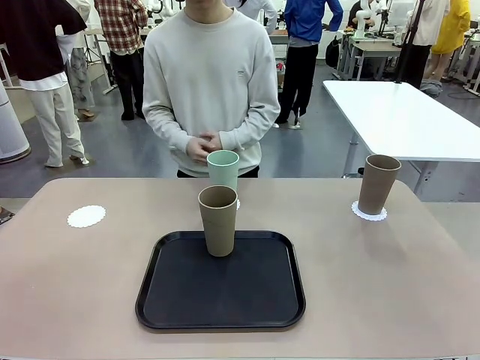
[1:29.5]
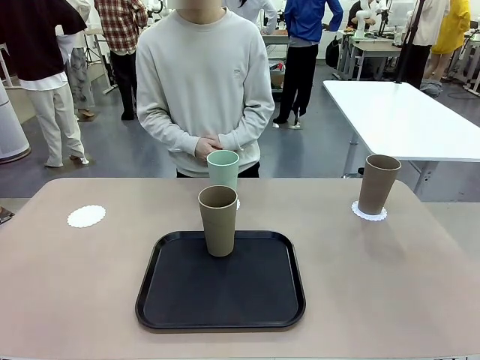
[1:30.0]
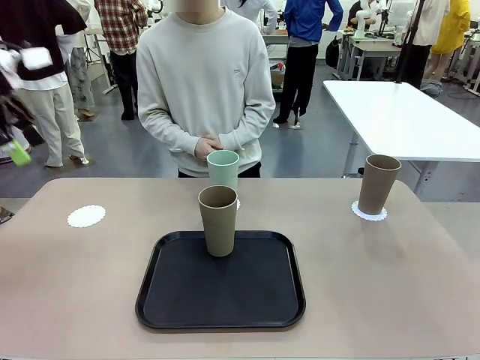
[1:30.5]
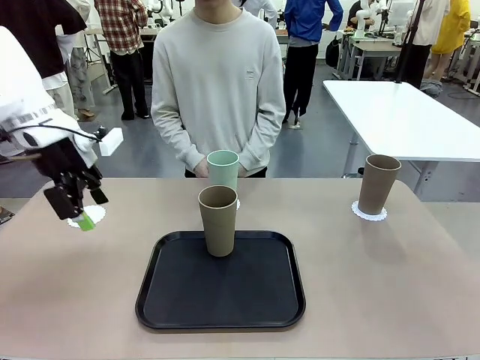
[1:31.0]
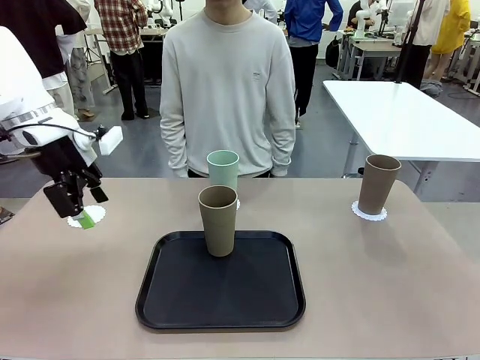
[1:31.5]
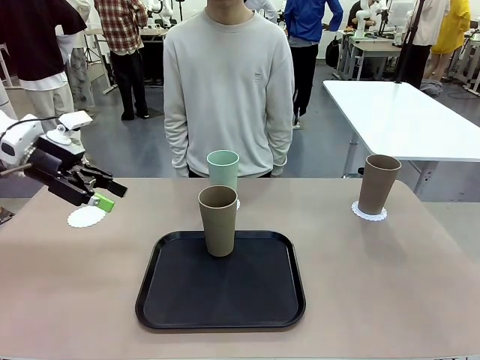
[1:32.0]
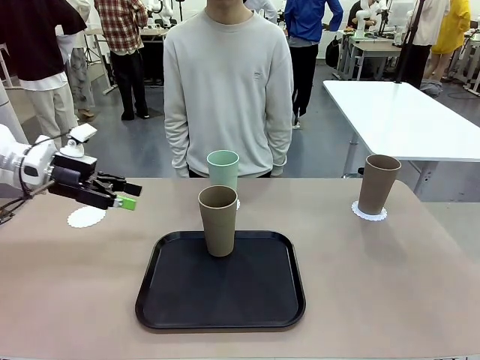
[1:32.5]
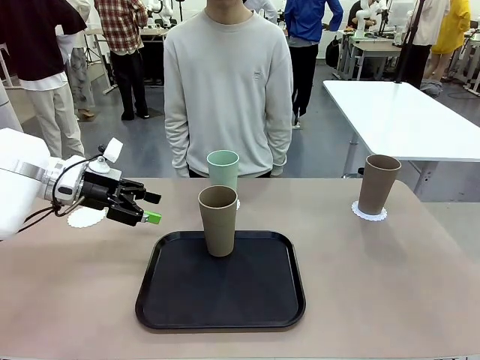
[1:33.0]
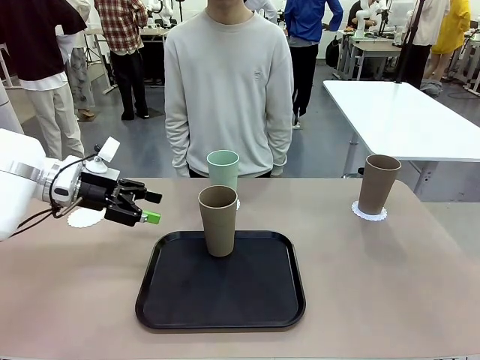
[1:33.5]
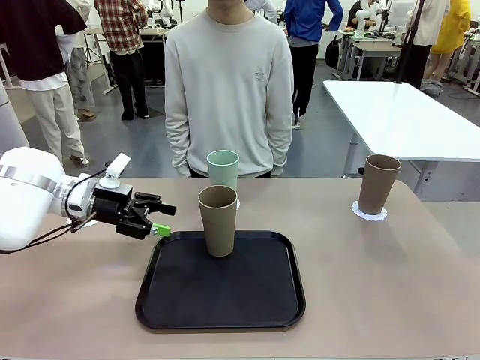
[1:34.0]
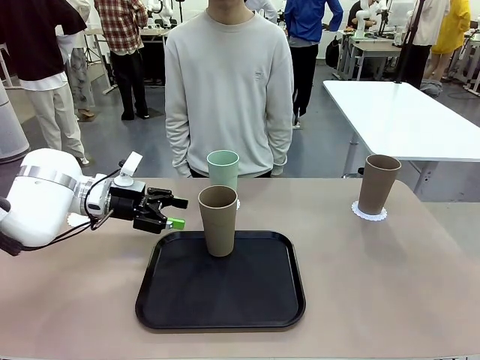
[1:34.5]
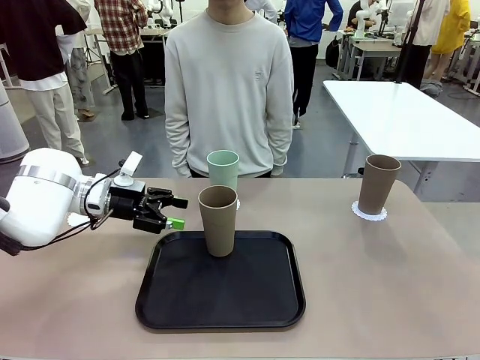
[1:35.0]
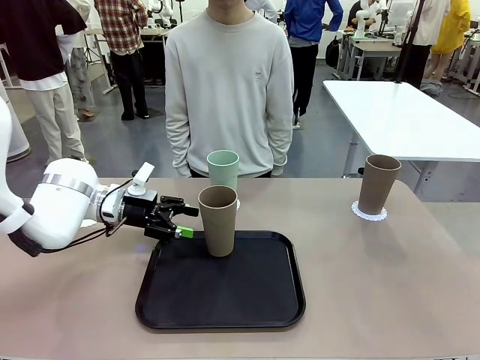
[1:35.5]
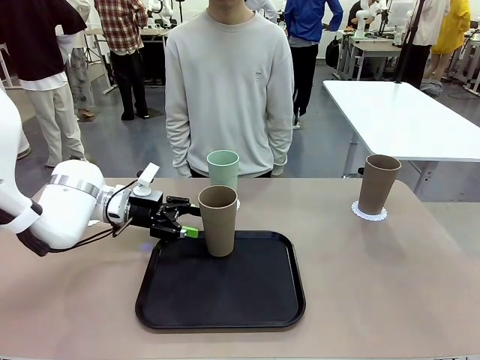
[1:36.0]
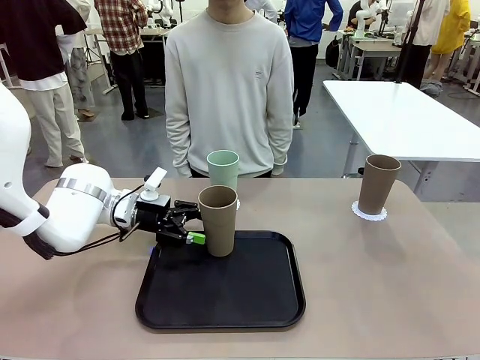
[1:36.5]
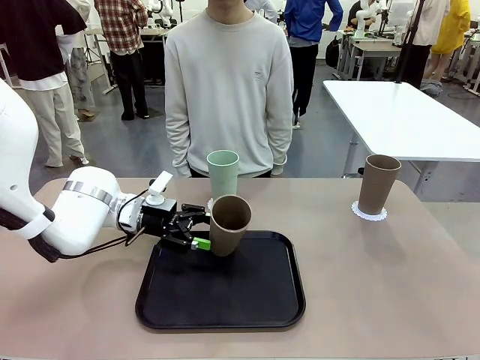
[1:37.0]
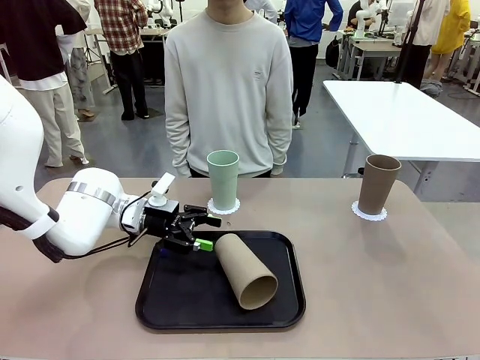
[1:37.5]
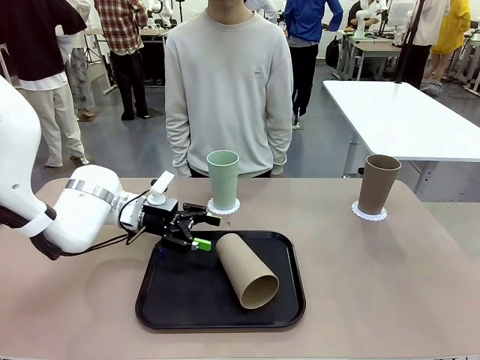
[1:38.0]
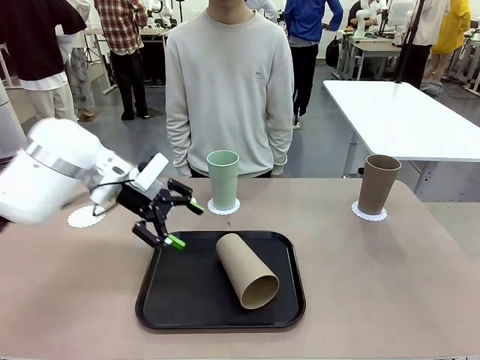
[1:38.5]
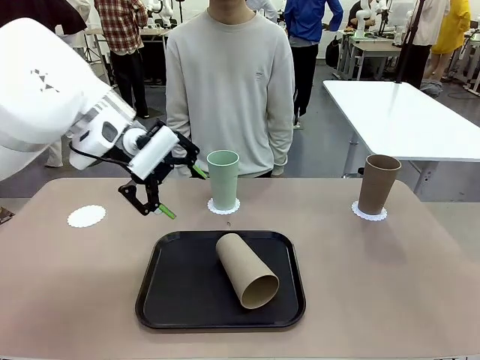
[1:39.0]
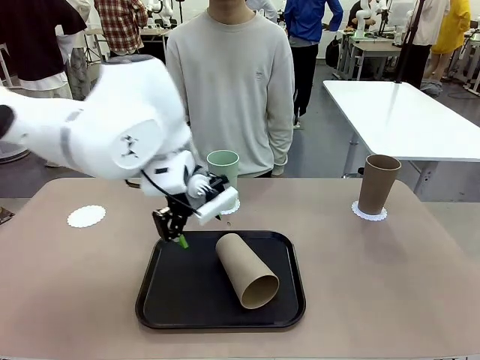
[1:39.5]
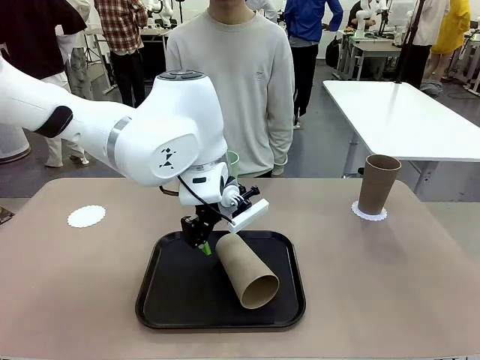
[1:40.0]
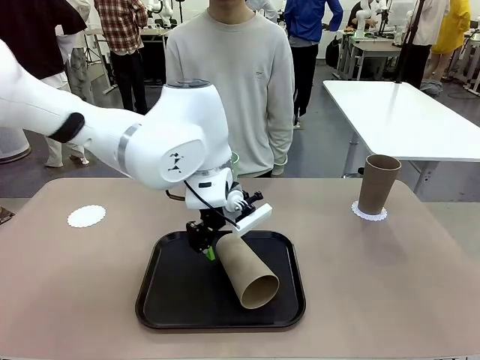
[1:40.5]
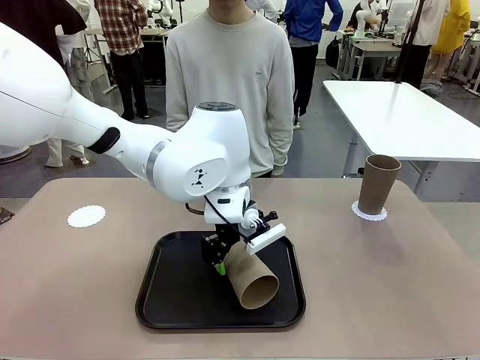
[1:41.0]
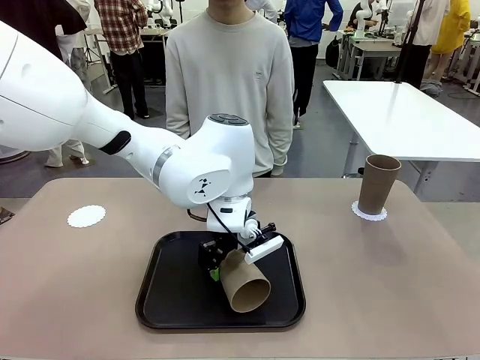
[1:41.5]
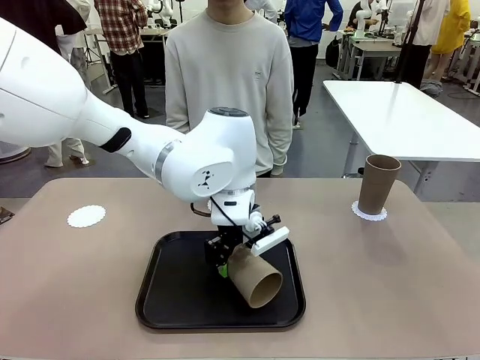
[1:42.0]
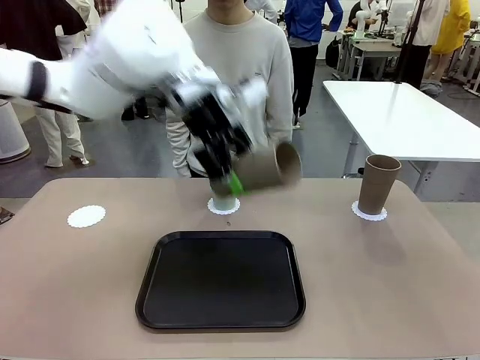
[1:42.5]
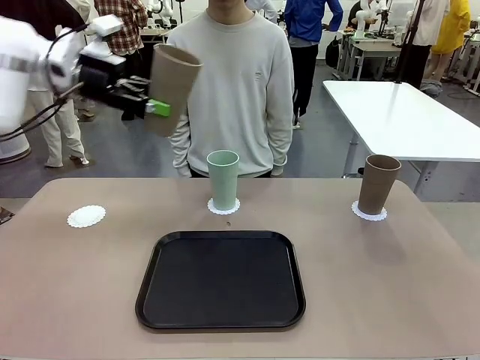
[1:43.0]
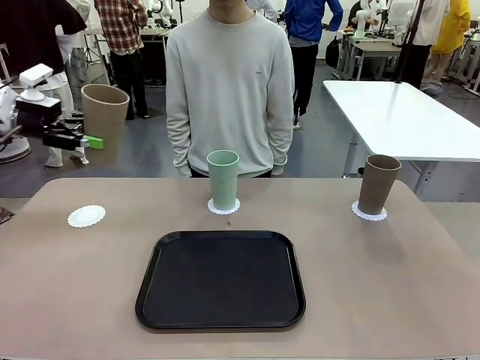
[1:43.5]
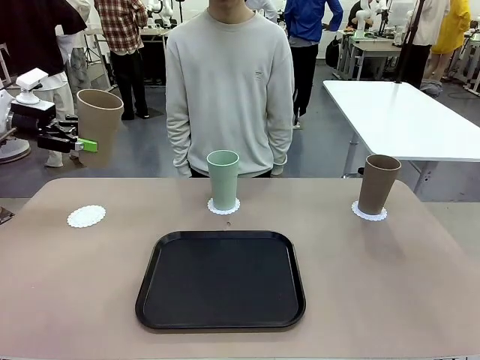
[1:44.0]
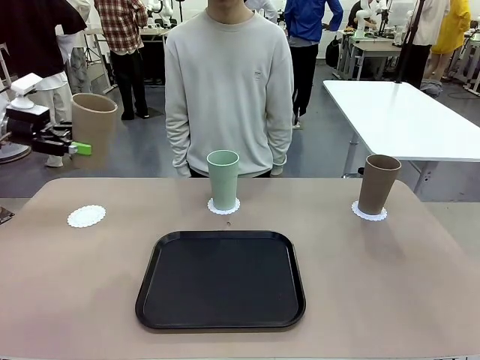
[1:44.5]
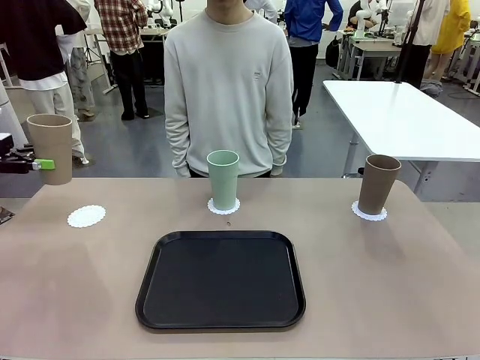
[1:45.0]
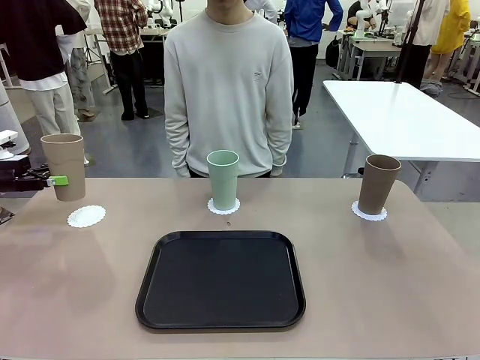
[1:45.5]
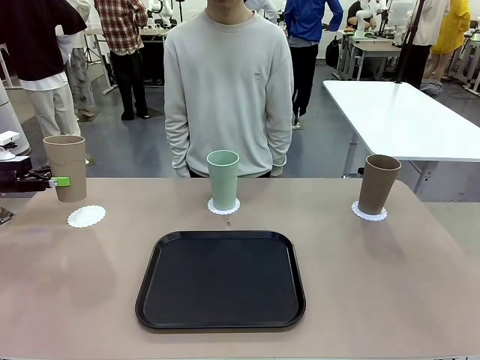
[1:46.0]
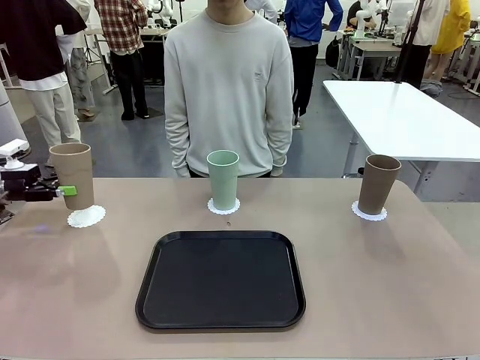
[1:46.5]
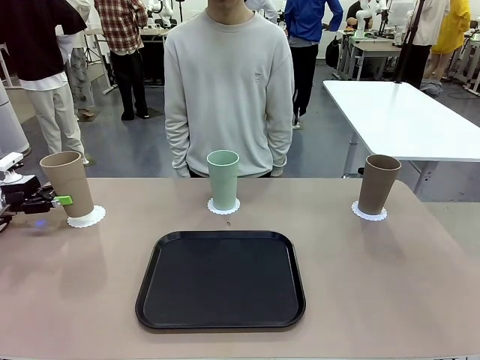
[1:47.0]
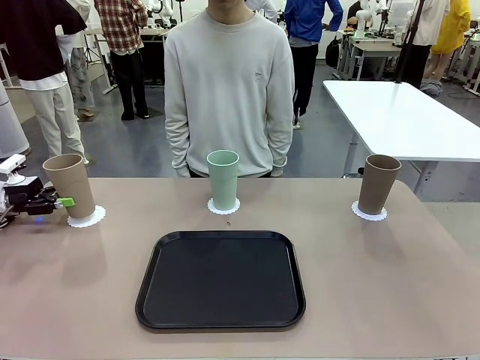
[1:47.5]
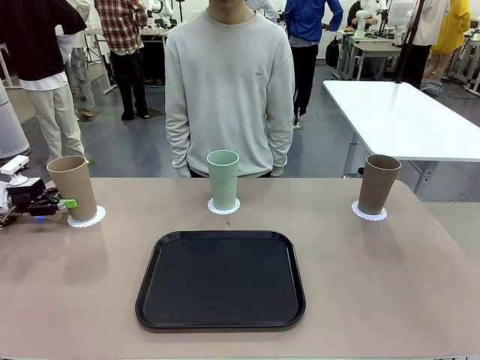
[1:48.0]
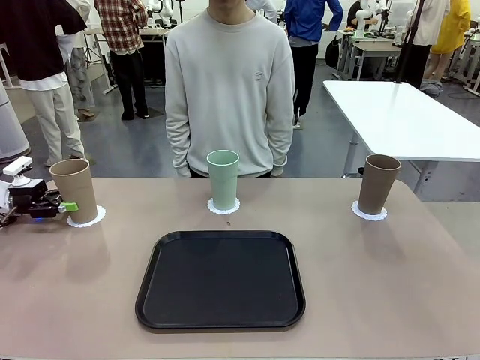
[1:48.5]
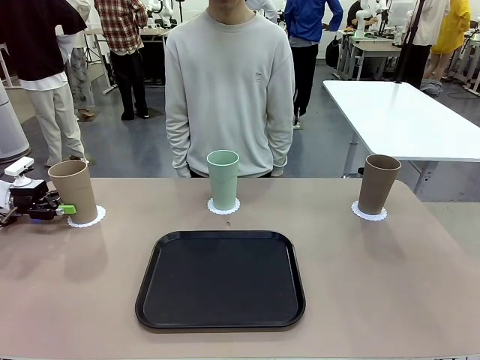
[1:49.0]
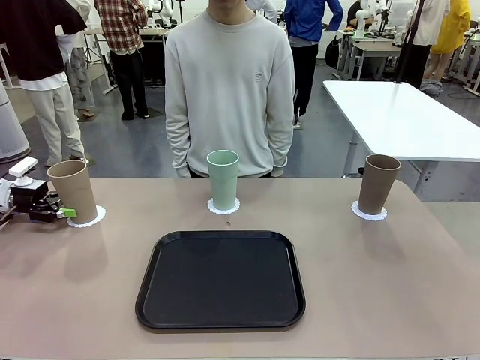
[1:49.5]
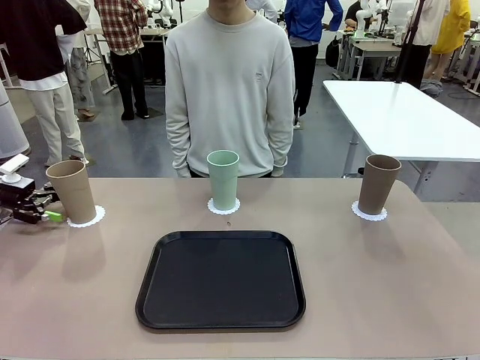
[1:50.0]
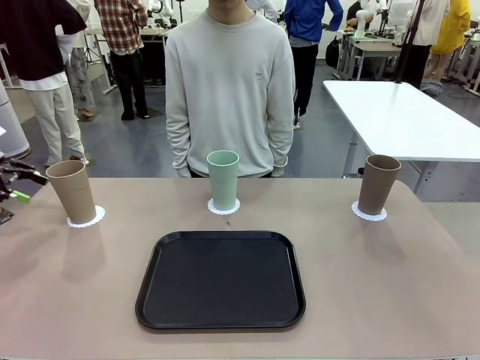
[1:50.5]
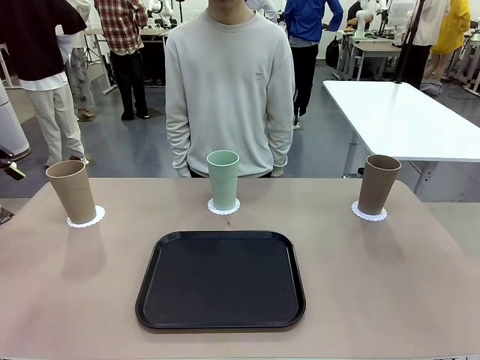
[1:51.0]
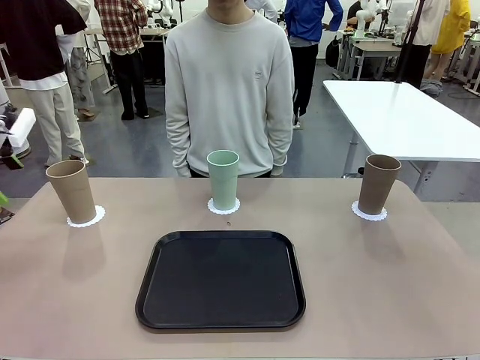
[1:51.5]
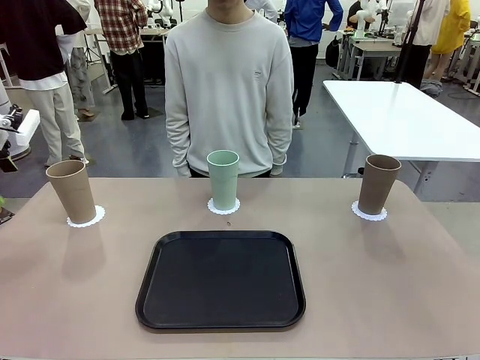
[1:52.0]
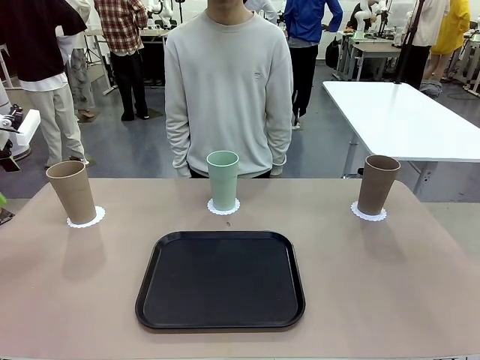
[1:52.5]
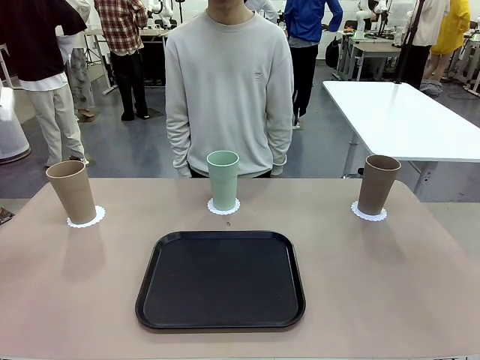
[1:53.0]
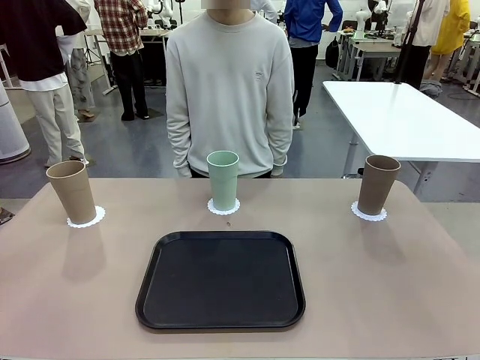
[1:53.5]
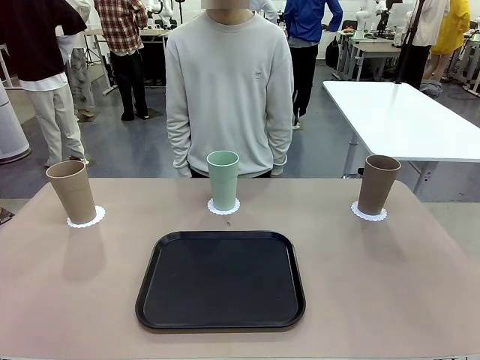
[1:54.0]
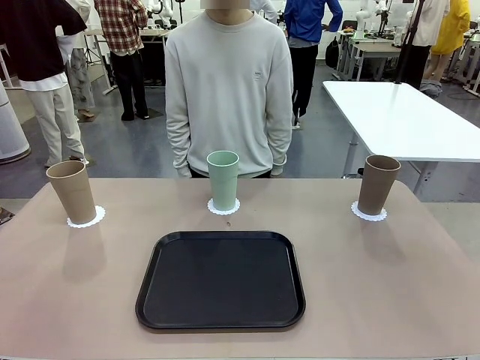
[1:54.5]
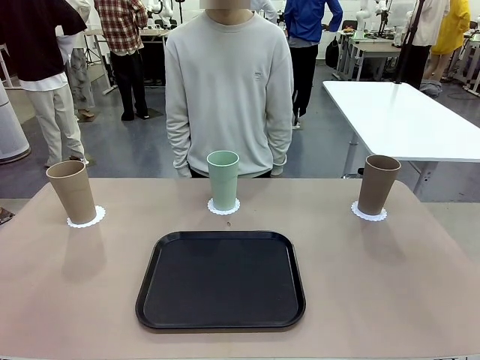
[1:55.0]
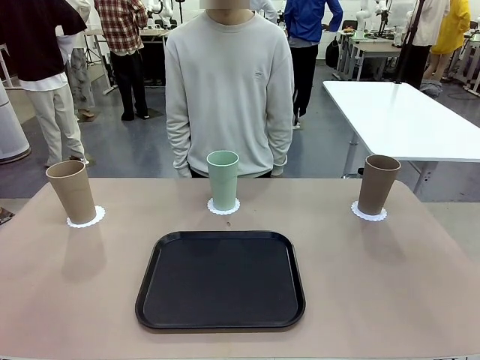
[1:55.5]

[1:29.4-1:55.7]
Task: Place coasters on the table and set cups on them.
Robot: Take one Reusable plastic cup from the Flat Tray and place it on a coaster set by the human.
